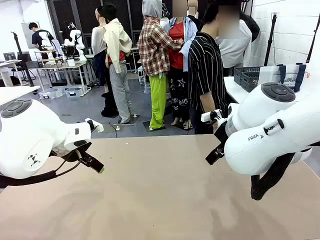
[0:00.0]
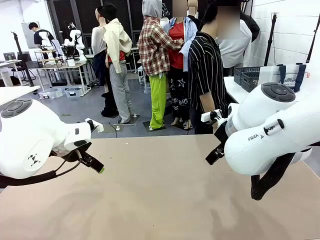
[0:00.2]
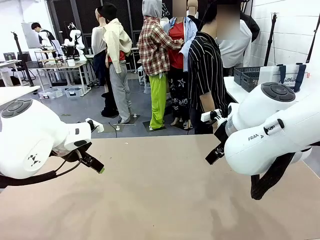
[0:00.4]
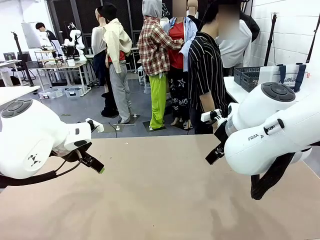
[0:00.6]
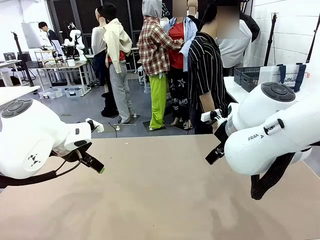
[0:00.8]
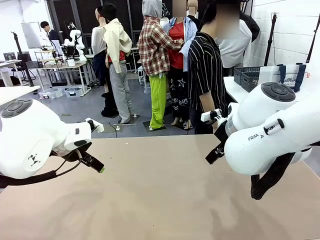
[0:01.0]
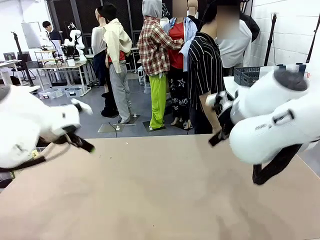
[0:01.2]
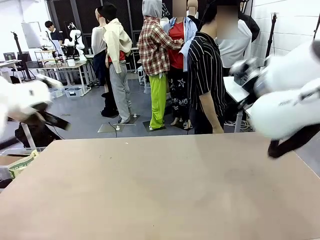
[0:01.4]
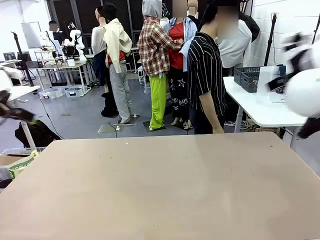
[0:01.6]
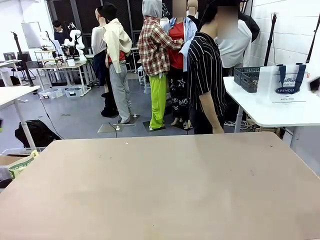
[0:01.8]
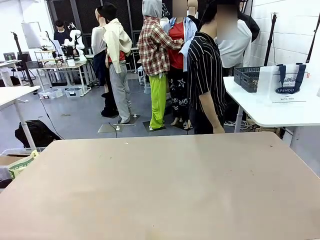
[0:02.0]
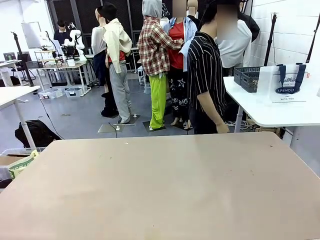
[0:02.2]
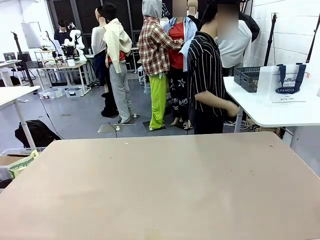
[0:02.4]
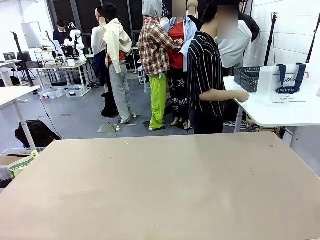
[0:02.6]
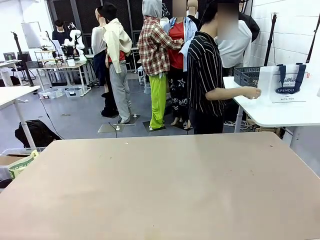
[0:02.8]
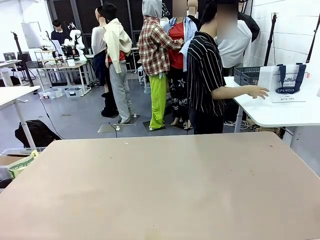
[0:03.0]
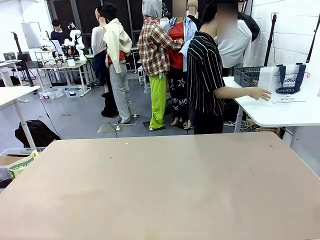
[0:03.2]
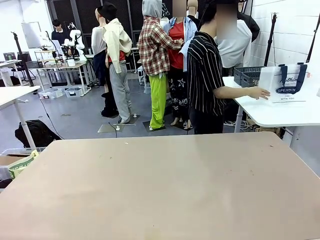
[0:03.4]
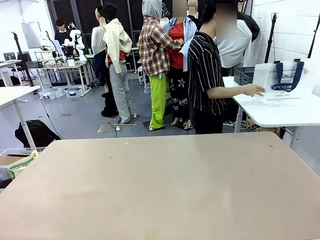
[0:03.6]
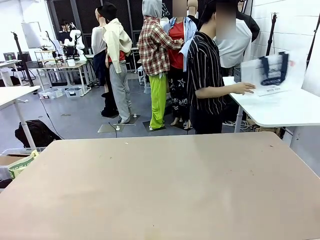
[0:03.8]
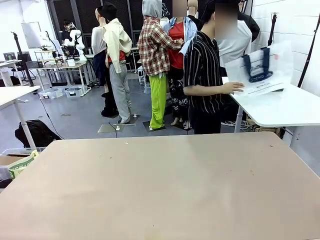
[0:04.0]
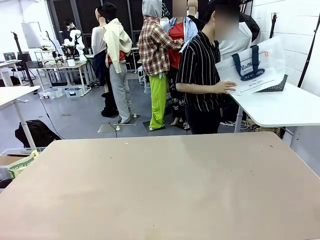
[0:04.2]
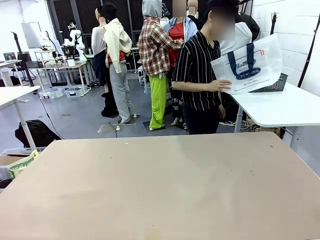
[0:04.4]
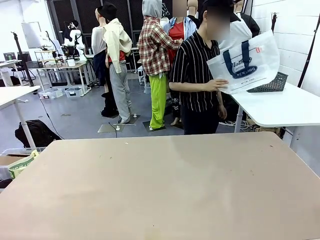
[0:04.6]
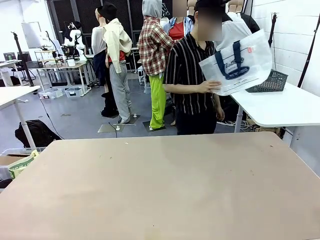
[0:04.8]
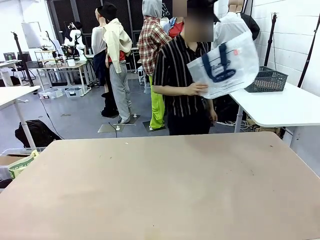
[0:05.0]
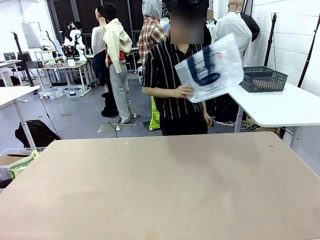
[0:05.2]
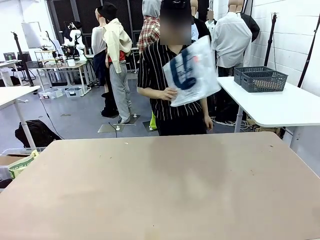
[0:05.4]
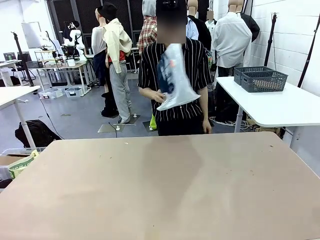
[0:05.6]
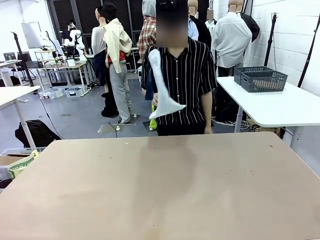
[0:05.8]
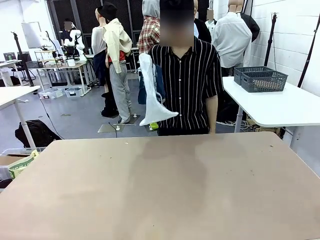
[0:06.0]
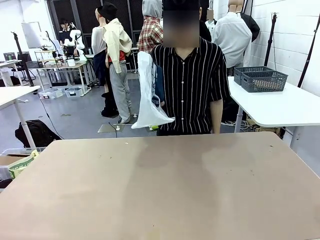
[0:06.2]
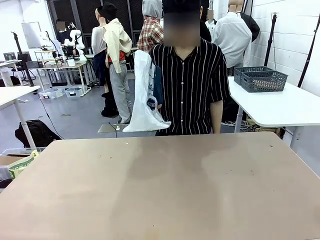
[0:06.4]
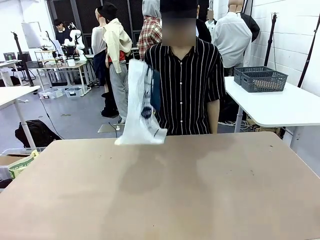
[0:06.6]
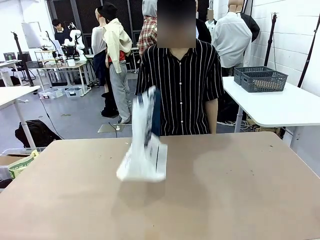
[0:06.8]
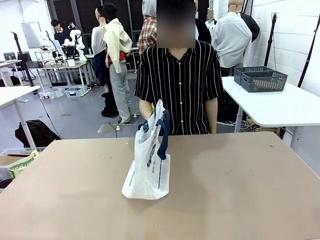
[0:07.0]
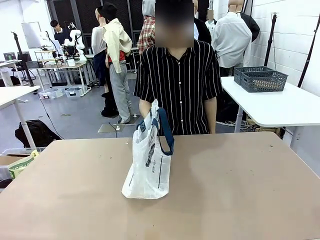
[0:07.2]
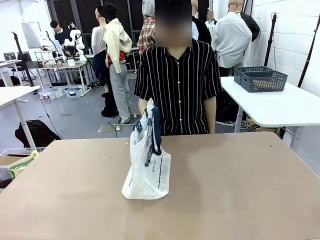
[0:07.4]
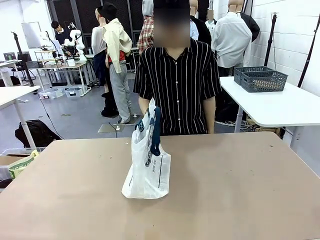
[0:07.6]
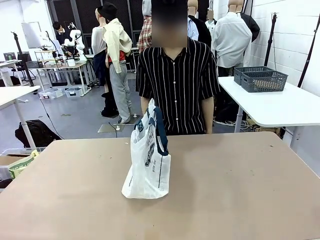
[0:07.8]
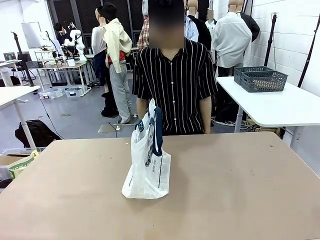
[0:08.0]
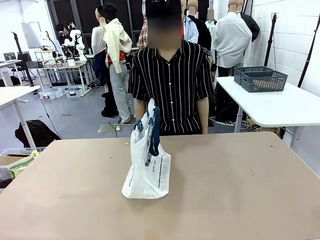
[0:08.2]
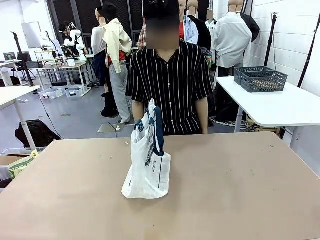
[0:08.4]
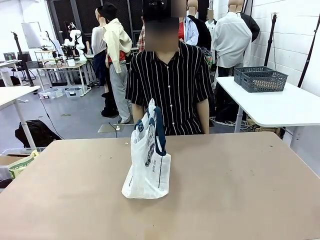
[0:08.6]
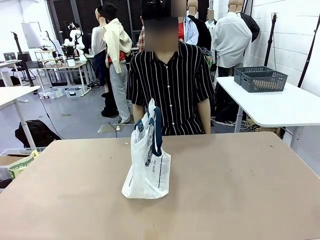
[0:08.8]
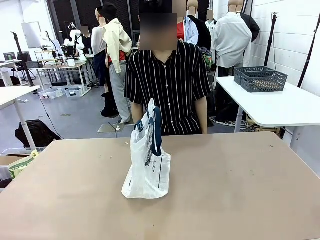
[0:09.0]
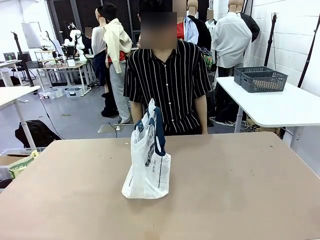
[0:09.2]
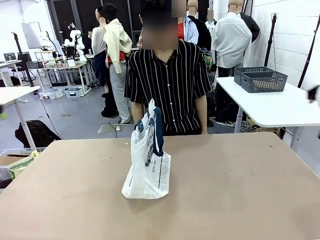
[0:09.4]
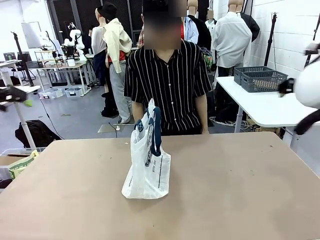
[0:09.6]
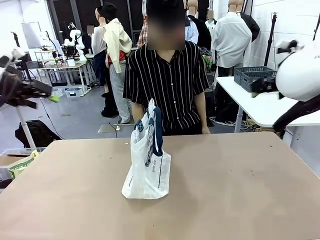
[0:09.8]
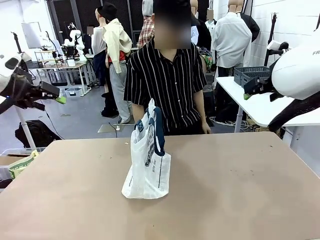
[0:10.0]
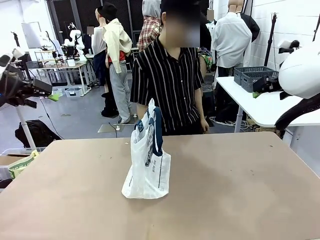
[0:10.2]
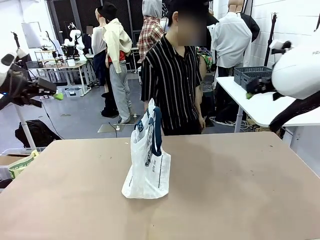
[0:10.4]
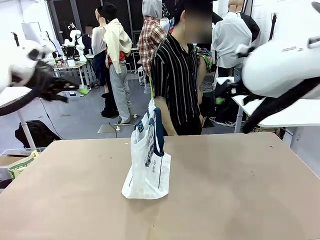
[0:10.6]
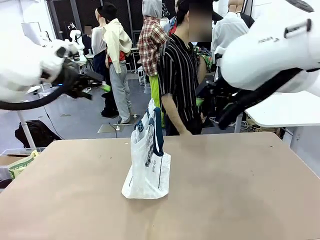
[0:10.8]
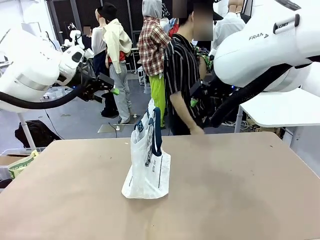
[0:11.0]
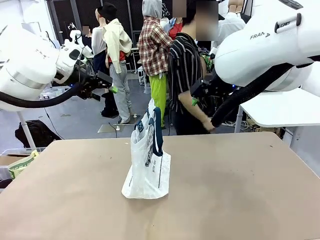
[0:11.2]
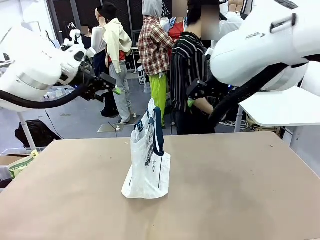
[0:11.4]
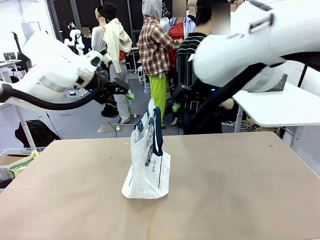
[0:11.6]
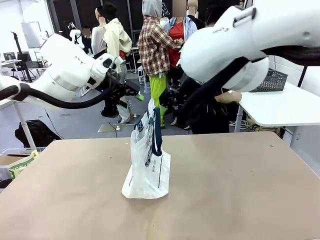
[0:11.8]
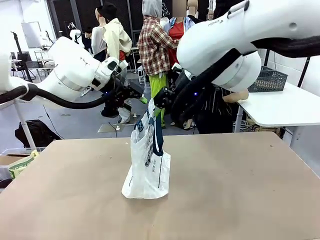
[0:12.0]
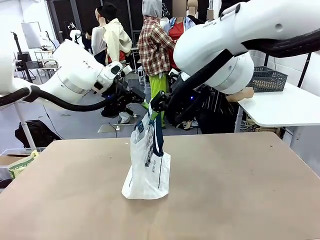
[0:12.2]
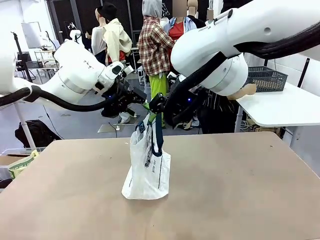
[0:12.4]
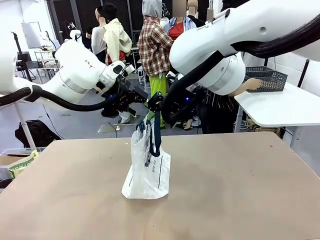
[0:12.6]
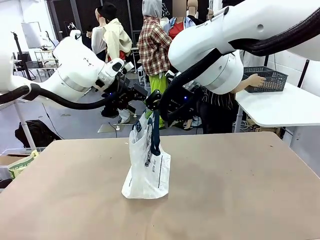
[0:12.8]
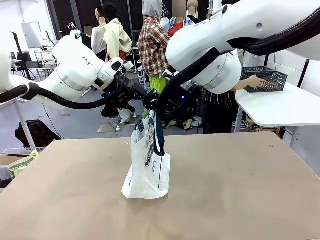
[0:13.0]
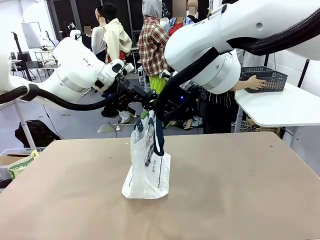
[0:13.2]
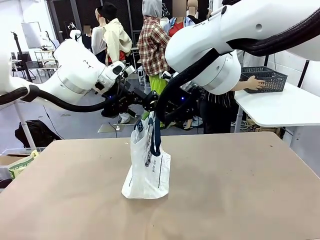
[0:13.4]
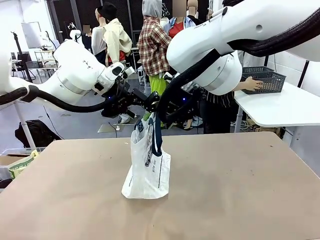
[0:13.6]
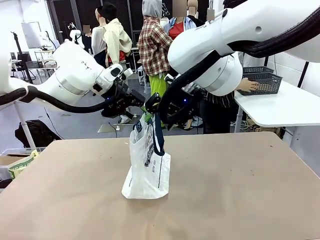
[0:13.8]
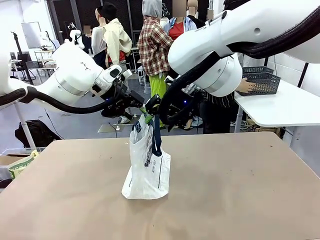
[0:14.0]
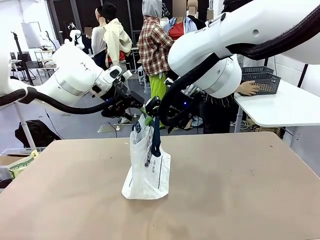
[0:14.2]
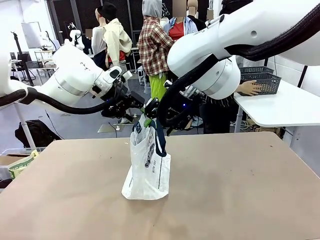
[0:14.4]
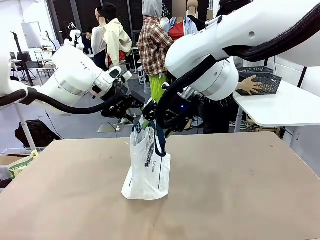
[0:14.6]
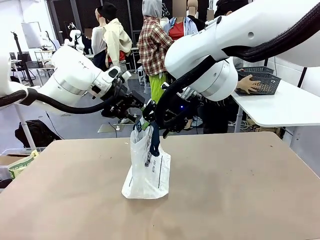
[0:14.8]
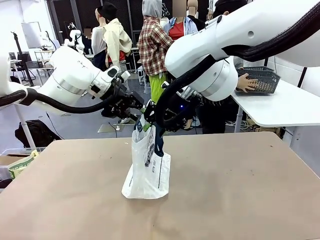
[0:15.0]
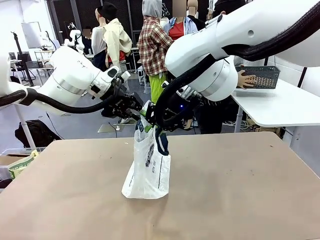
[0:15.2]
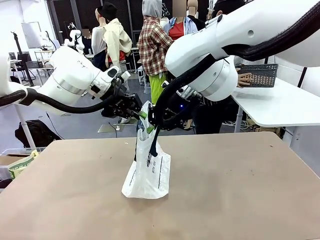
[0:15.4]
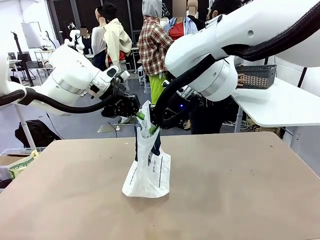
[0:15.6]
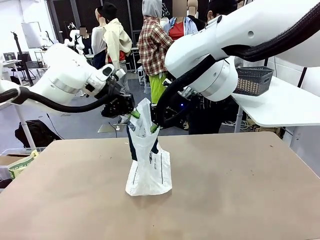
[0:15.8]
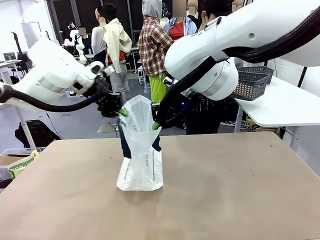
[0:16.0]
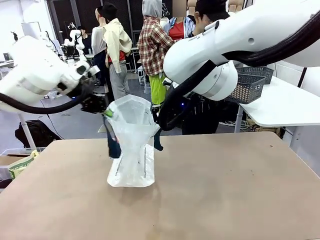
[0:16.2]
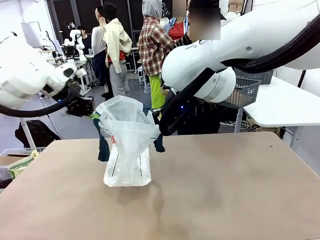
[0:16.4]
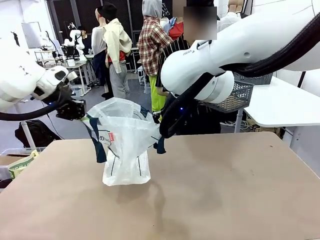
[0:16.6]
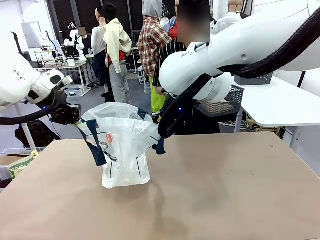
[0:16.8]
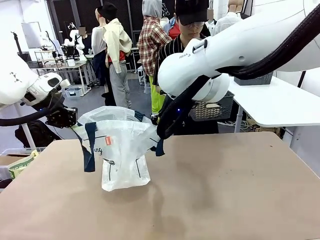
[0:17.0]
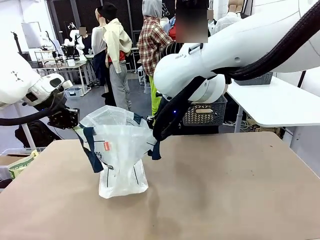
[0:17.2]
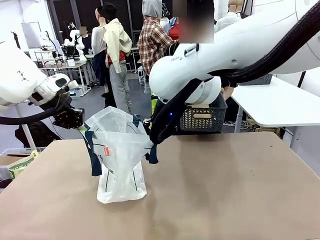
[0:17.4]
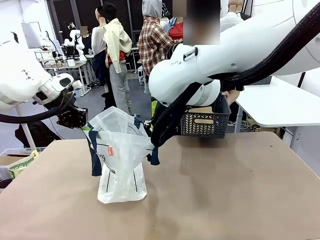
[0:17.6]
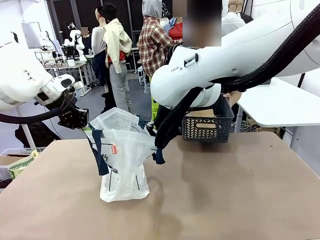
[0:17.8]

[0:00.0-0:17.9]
Task: Transfer purchased items from the store into the shopping bag.
Robot: Open the Reusable shopping bag in the center of the table.
Person: Pick up the shopping bag and place it in the middle of the robot table. Pick up the basket on the right, place it on the left side of the robot table, and move the items in the basket to the shopping bag.
